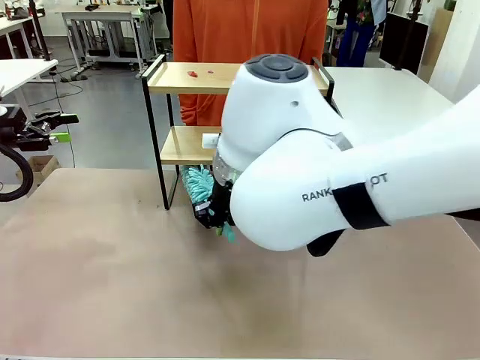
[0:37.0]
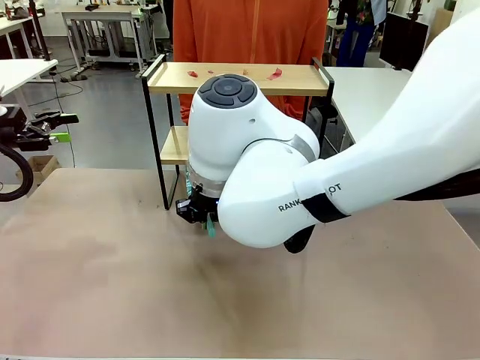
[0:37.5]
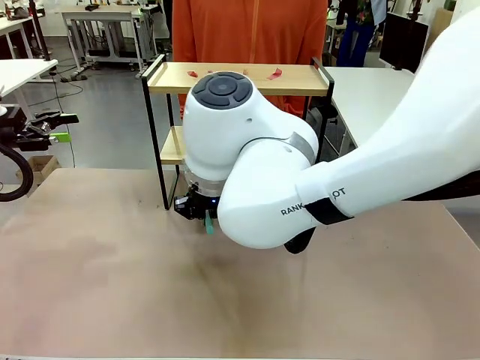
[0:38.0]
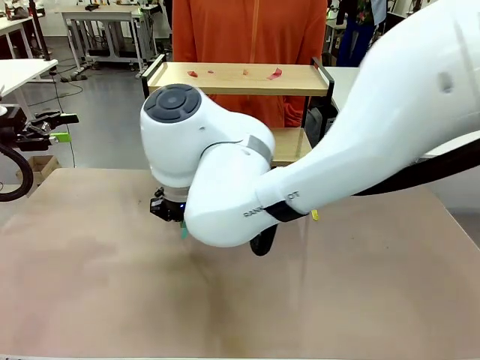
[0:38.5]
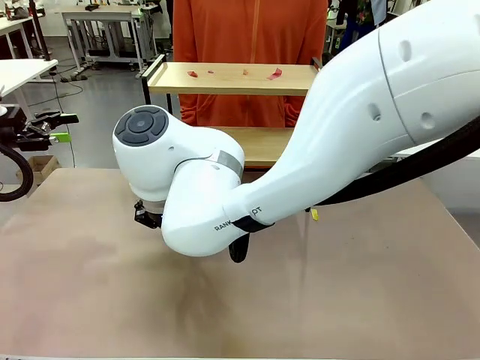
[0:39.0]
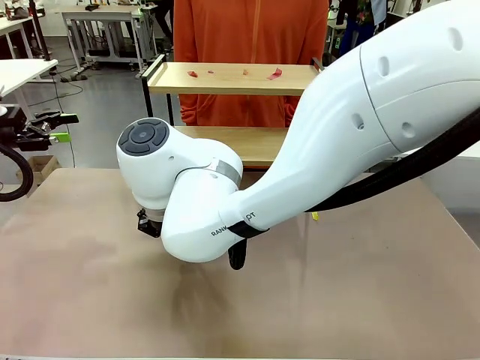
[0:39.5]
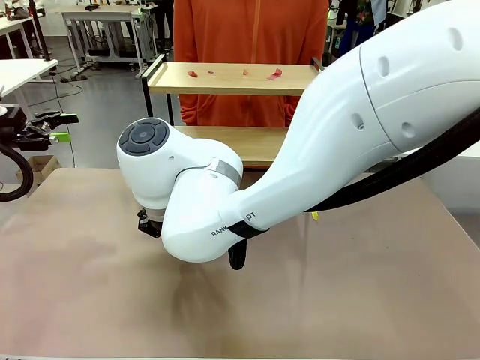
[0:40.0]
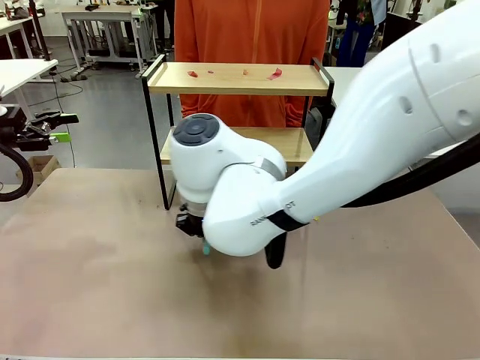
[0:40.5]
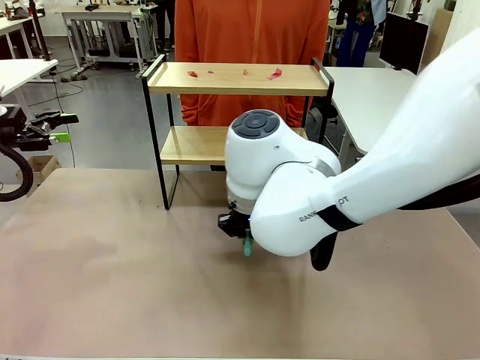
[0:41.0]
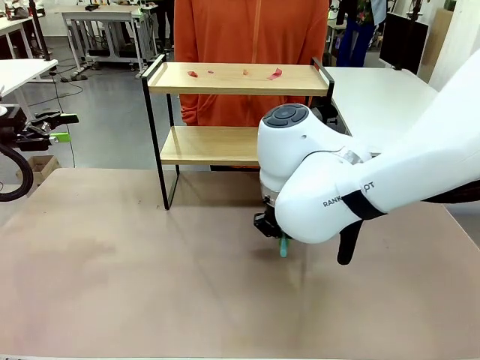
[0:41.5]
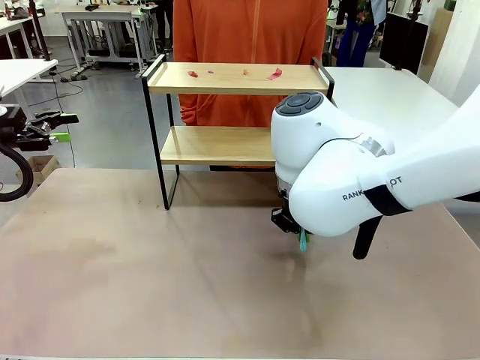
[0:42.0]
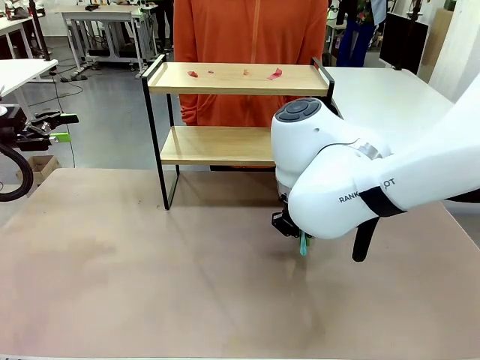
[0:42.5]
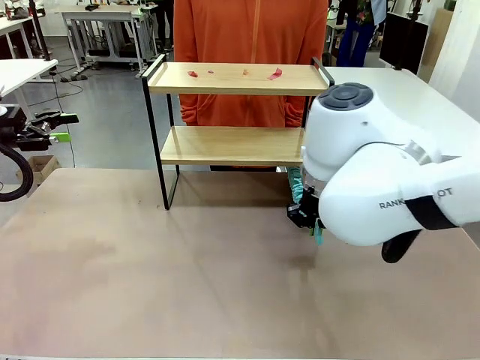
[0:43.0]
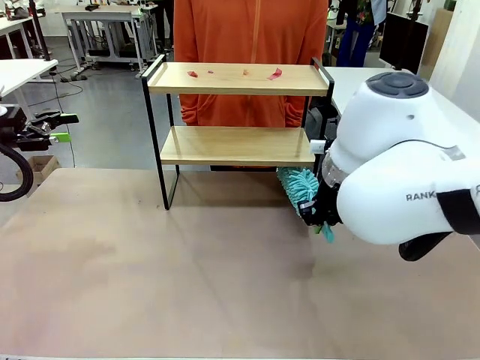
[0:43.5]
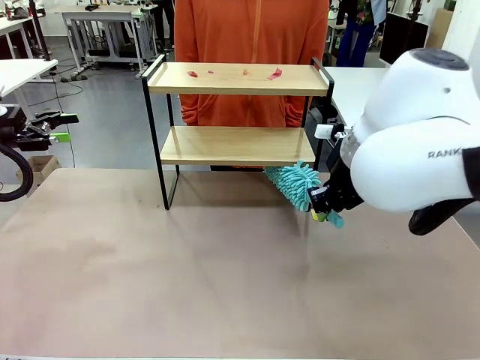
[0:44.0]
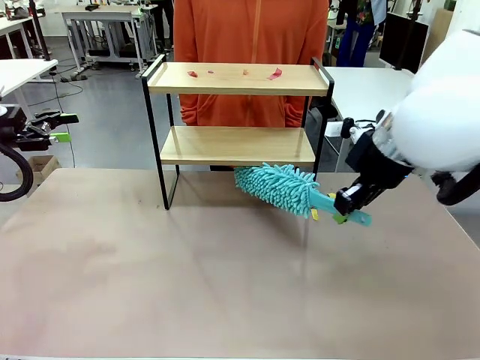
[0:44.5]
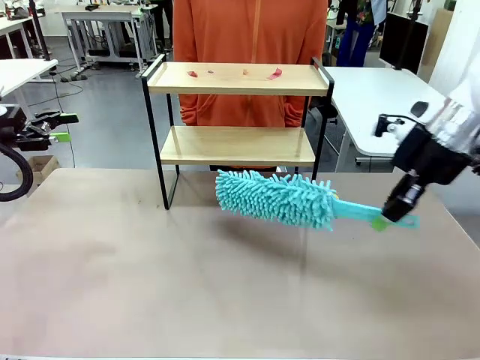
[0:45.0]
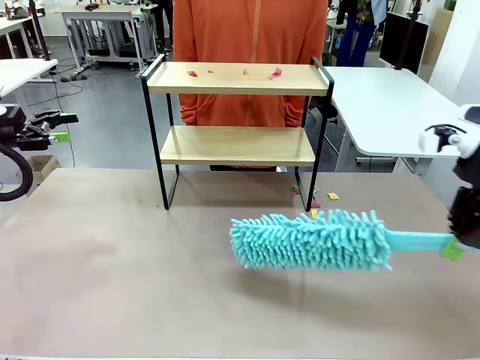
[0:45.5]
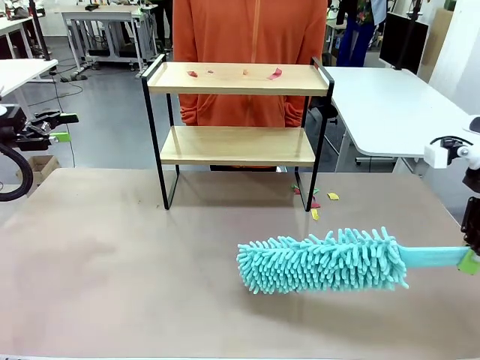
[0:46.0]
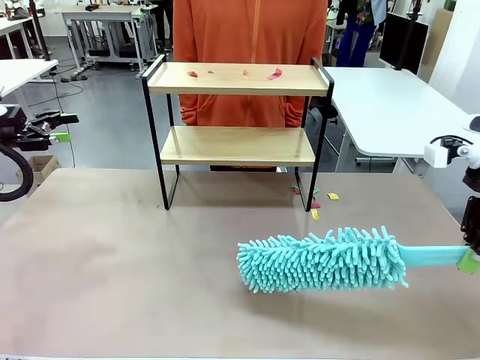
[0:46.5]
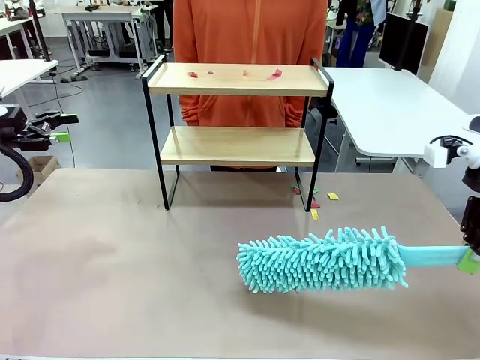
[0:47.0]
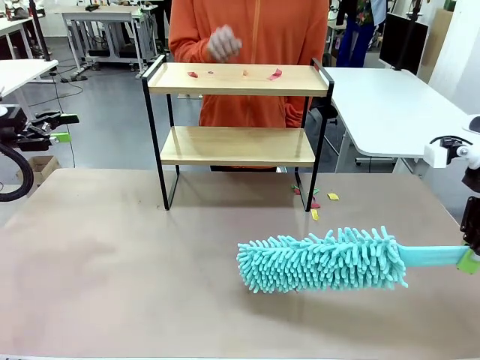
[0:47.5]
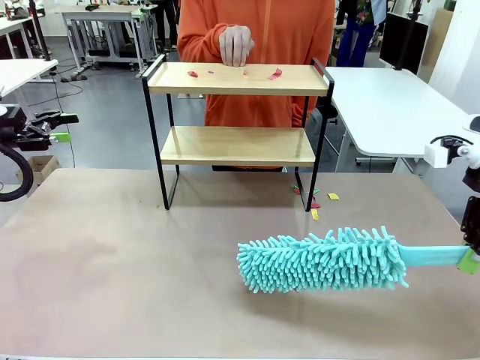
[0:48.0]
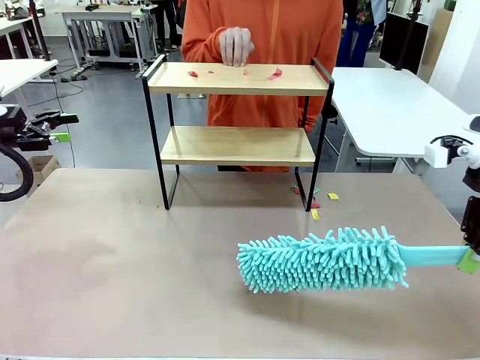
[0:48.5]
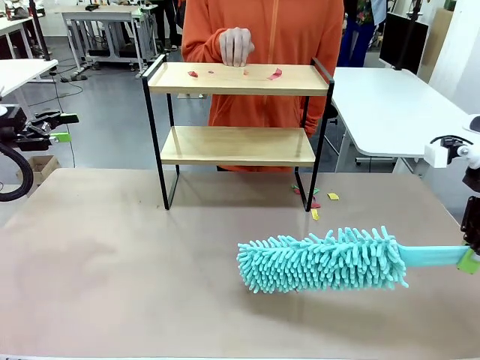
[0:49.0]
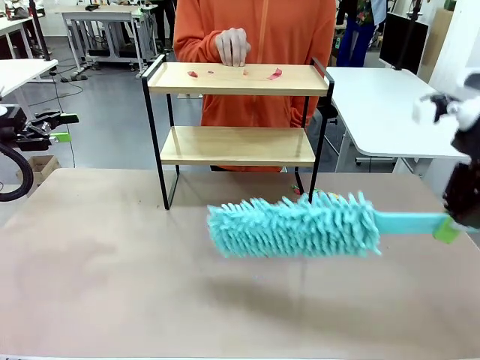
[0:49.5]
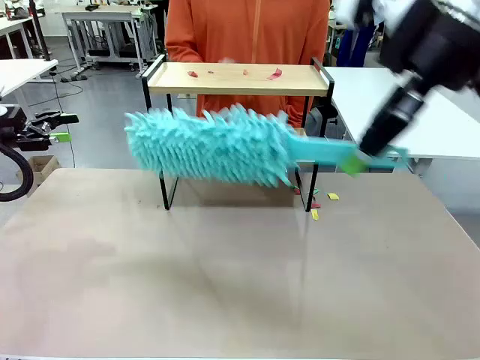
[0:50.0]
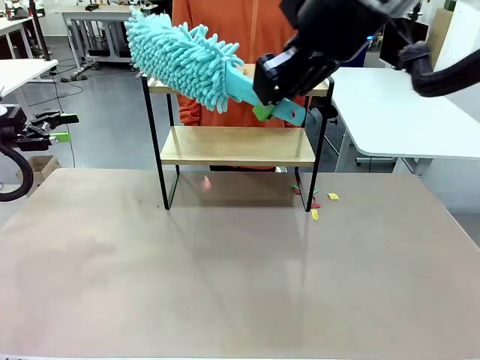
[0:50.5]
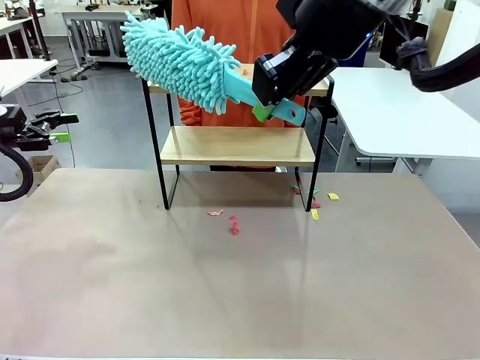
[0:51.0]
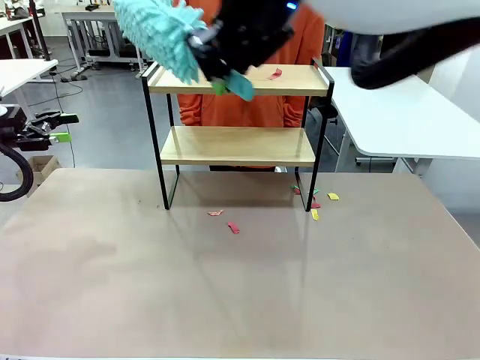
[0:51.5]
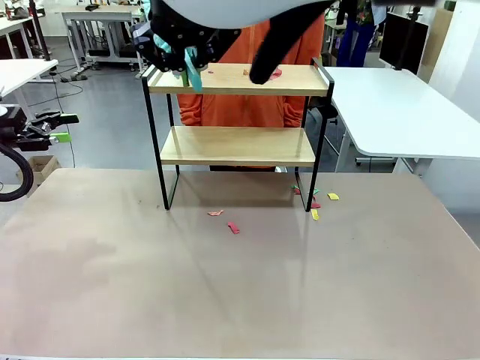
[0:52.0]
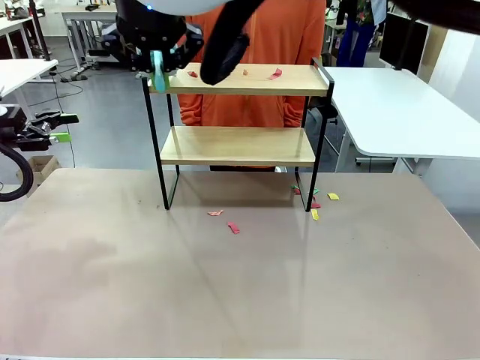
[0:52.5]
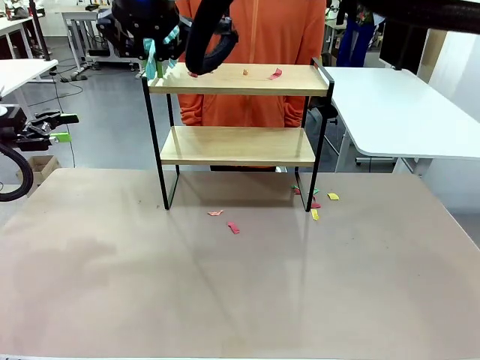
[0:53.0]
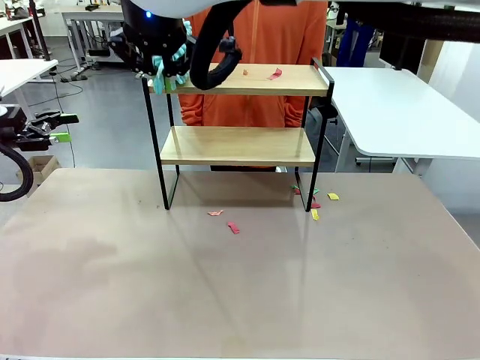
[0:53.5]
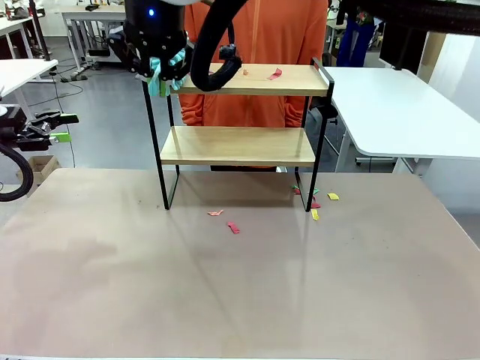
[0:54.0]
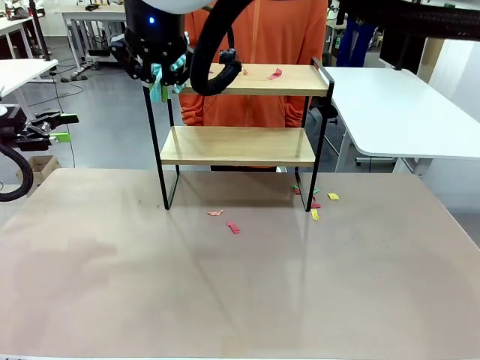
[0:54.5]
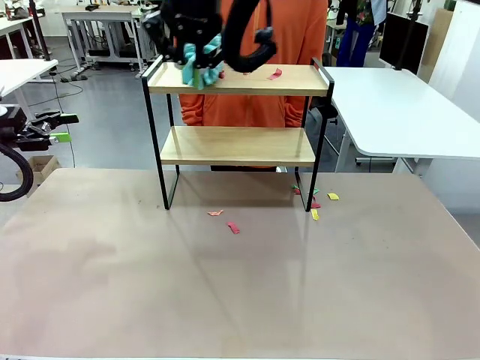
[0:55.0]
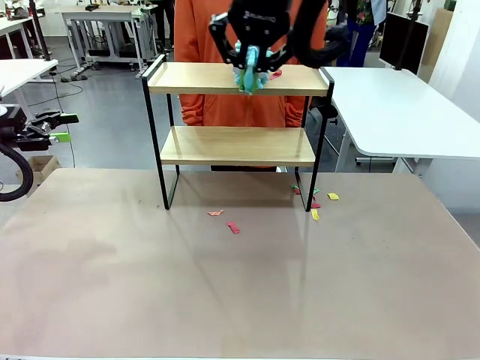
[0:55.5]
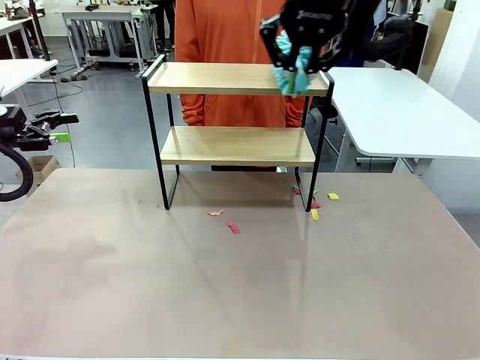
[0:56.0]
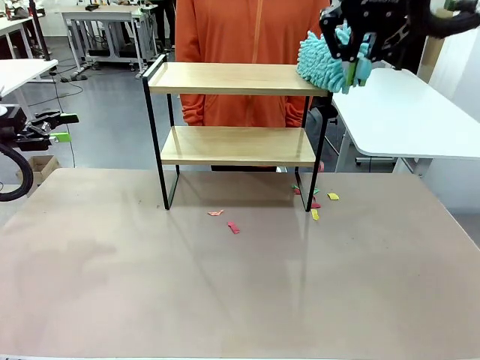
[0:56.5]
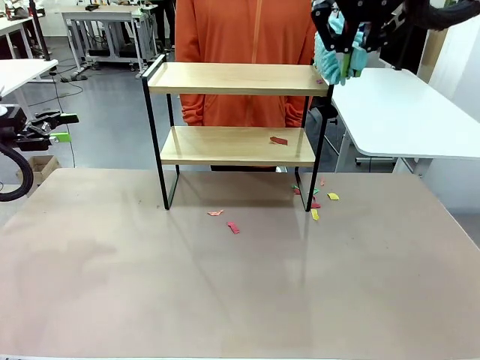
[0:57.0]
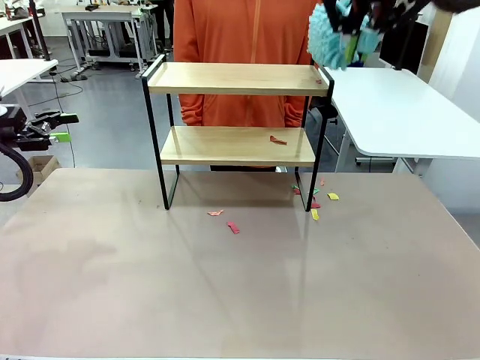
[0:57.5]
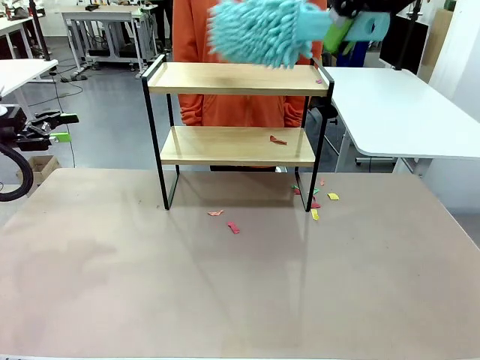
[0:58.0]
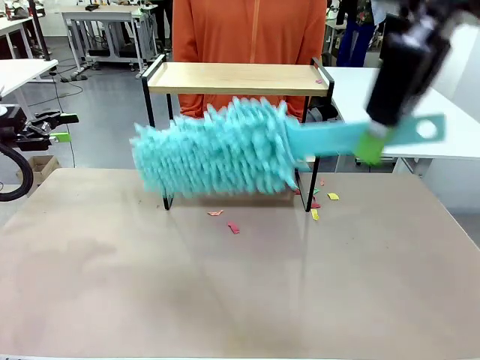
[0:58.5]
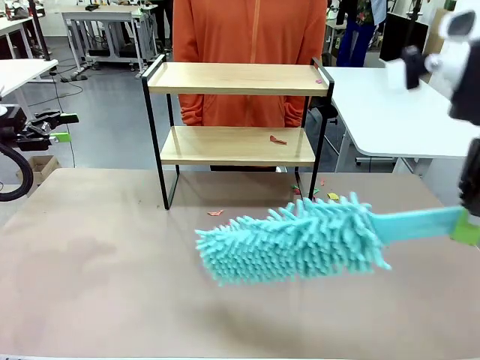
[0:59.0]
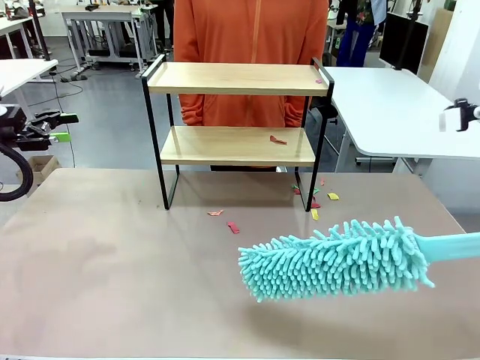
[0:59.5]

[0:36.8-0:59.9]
Task: Clean the shelf.
Robot: Clean the specific section of the Shelf indicated by the human with the Duster.
Person: Point a remaining section of the Shelf.

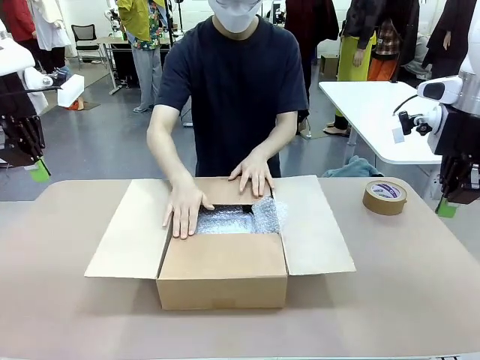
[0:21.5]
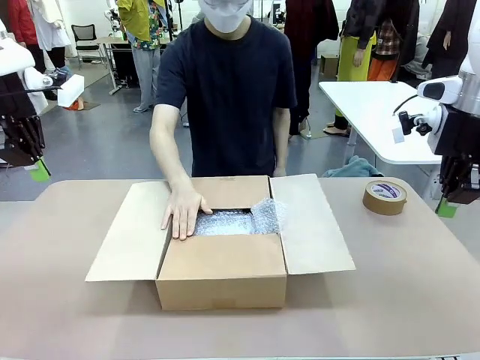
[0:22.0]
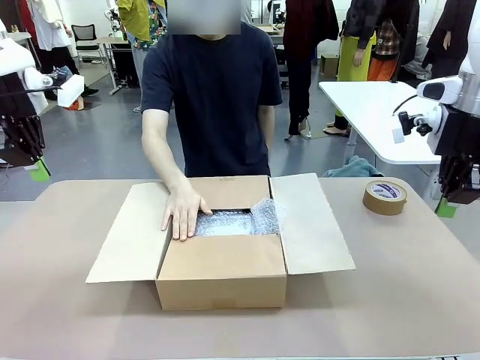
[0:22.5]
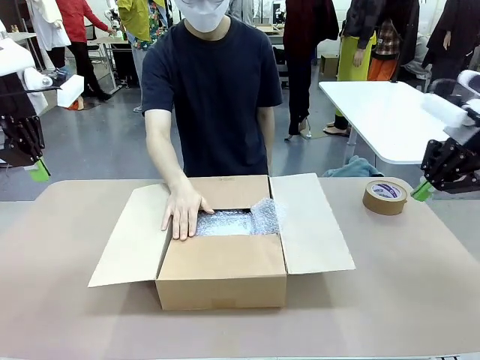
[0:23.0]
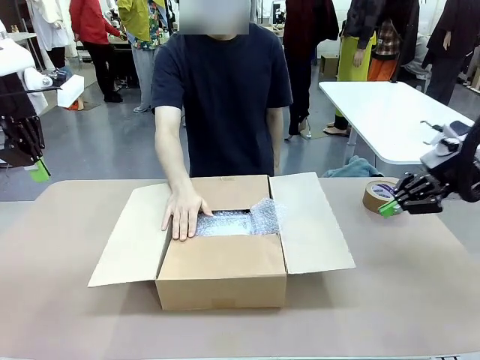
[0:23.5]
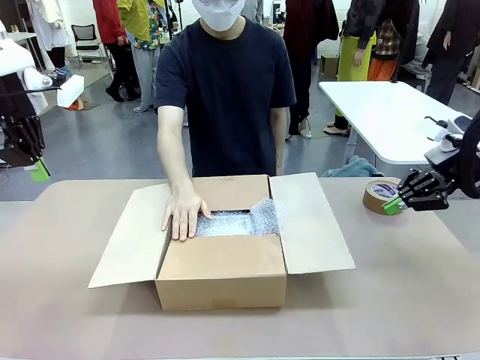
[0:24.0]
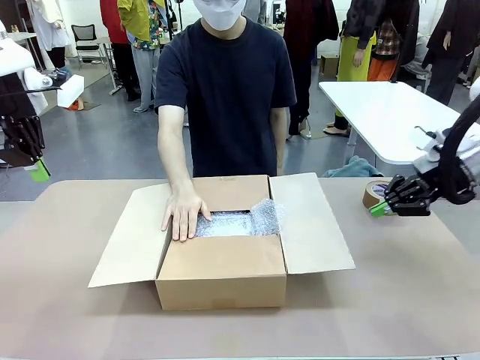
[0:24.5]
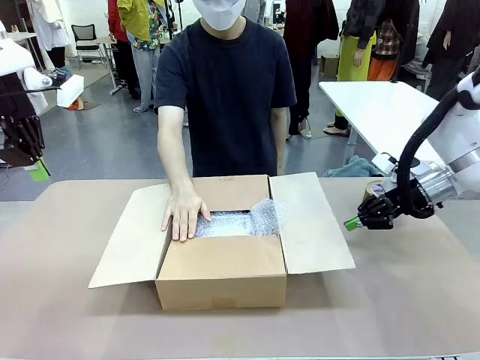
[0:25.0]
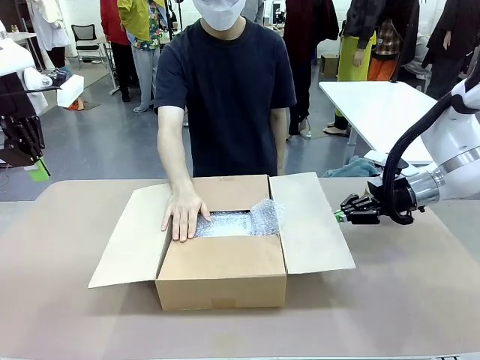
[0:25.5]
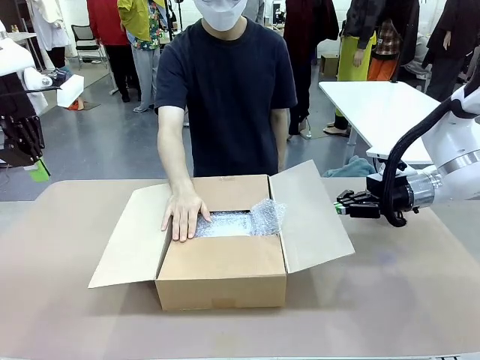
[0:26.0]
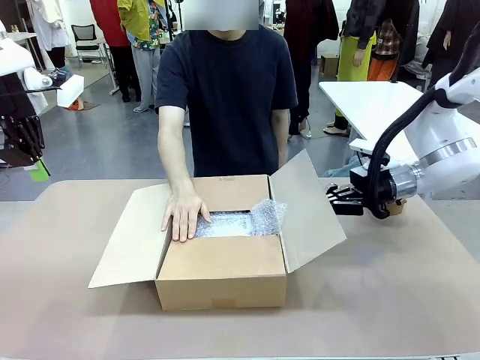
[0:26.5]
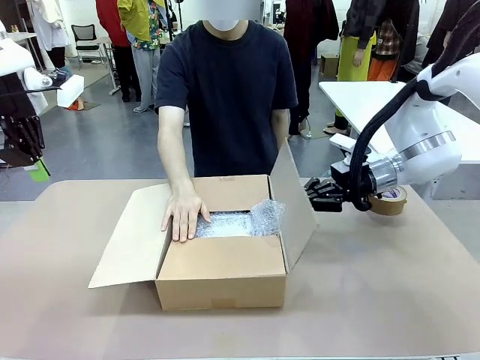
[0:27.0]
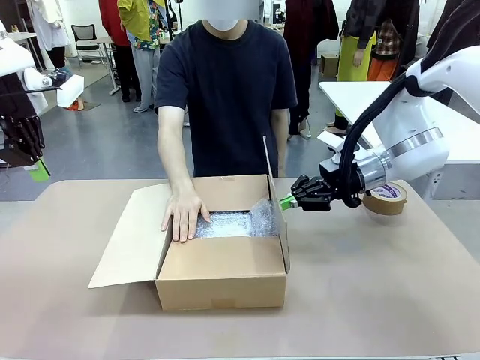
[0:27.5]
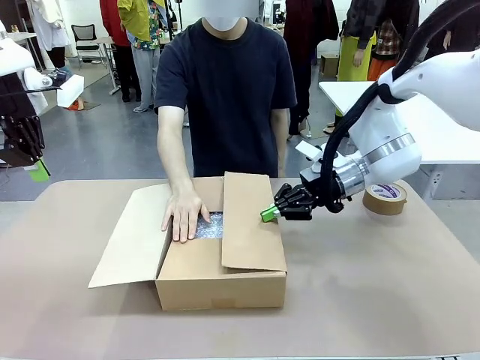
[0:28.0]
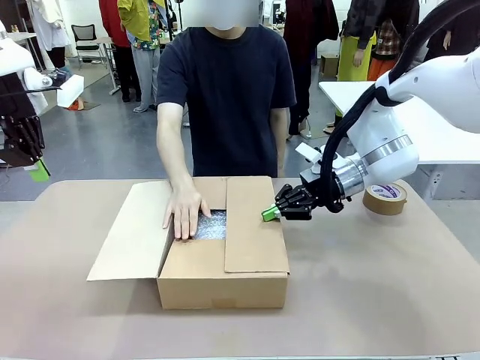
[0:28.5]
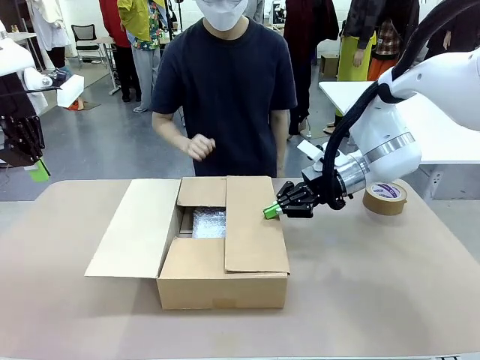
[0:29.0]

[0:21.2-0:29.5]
Task: Wrap the clocks to prevent damage.
Robot: Push the right (or left) flap of the Package Box to close it.
Person: Once the robot closes the right flap of the Package Box , release your left hand from the box.
